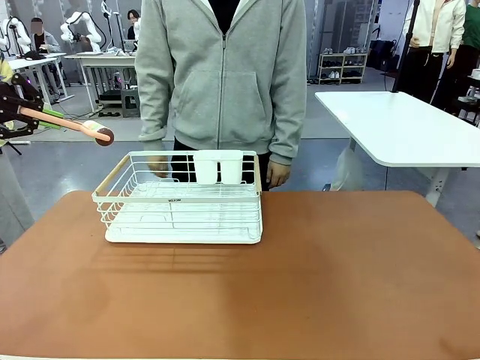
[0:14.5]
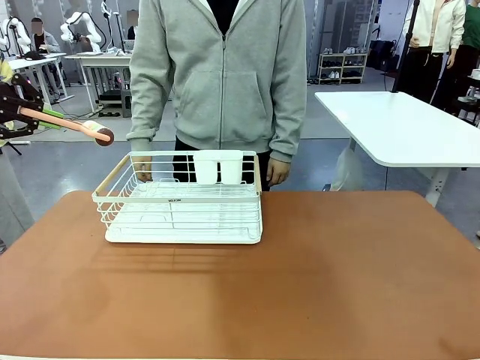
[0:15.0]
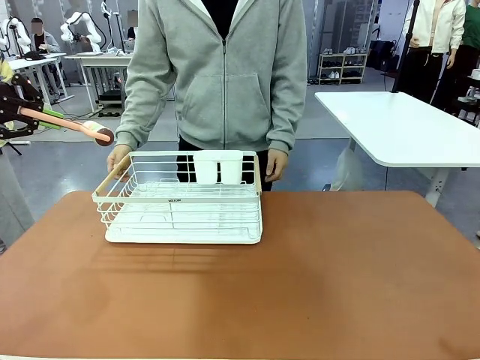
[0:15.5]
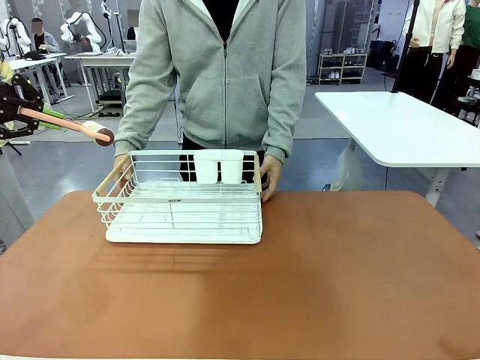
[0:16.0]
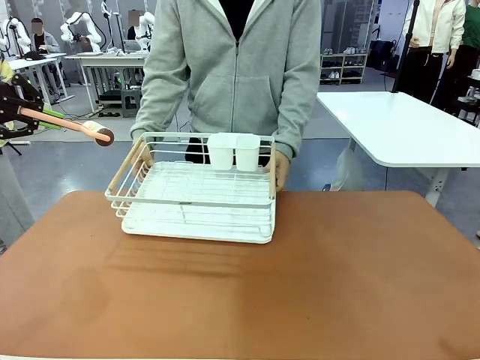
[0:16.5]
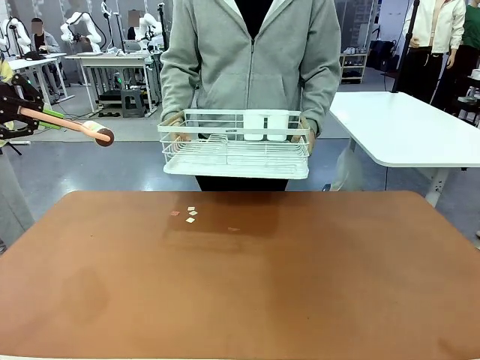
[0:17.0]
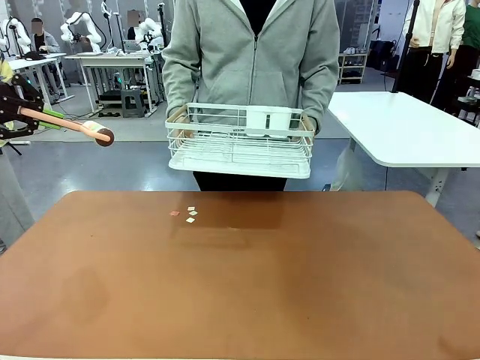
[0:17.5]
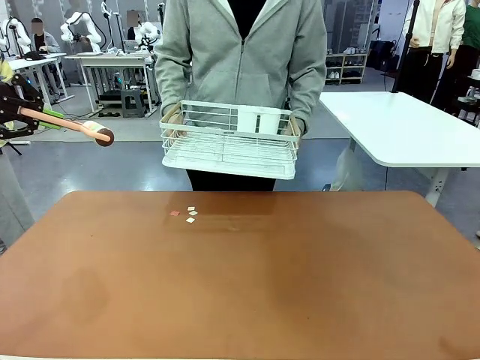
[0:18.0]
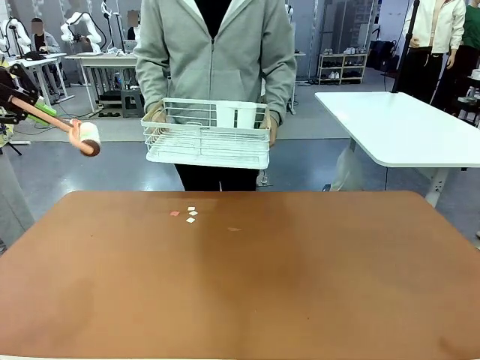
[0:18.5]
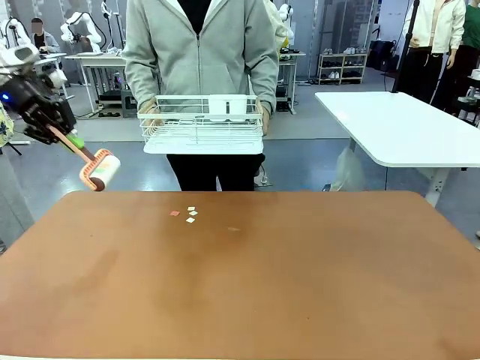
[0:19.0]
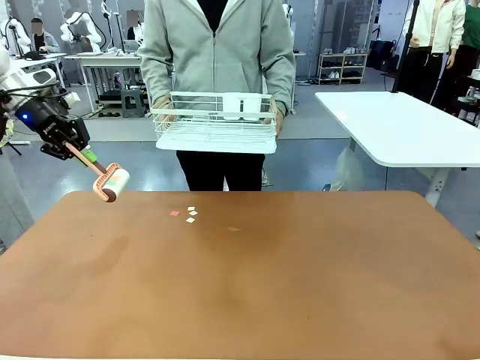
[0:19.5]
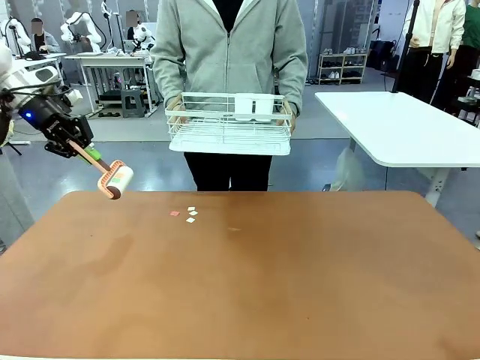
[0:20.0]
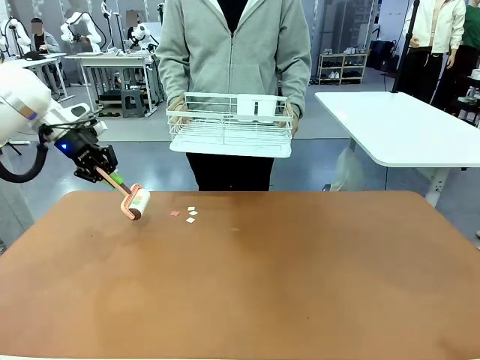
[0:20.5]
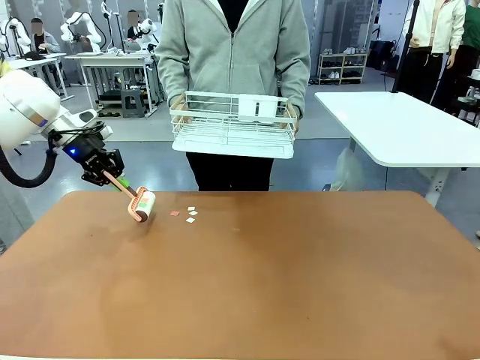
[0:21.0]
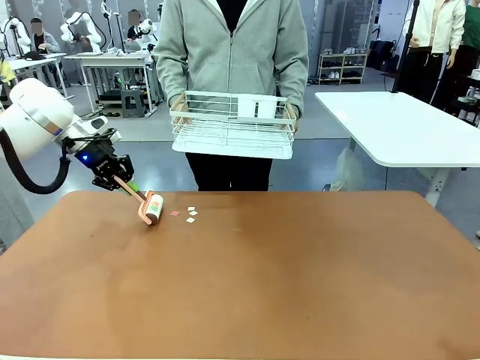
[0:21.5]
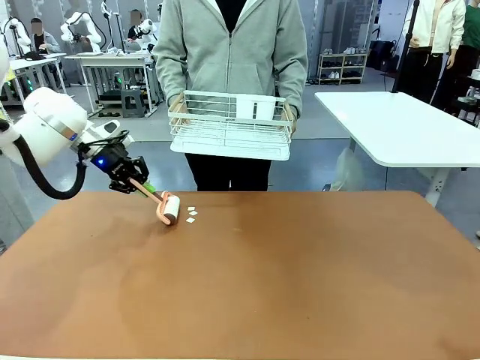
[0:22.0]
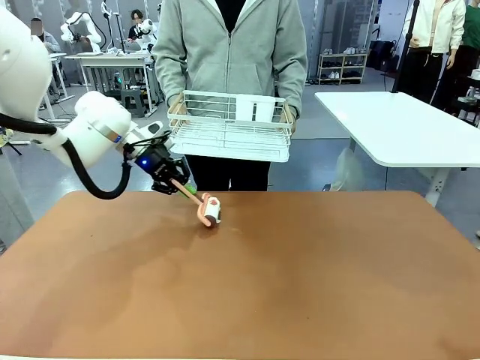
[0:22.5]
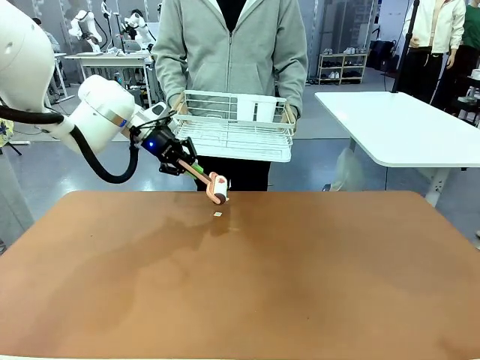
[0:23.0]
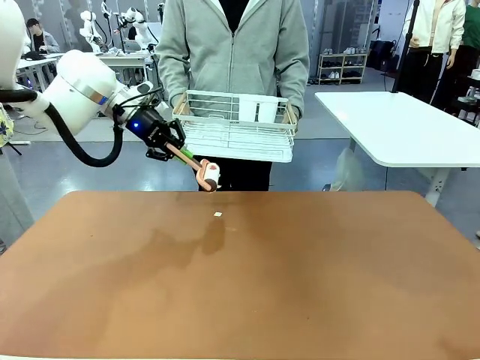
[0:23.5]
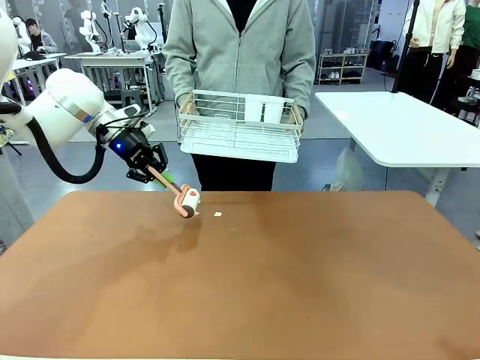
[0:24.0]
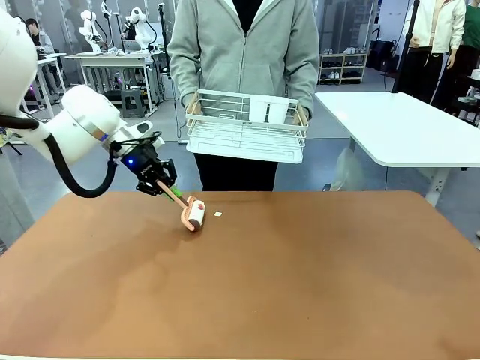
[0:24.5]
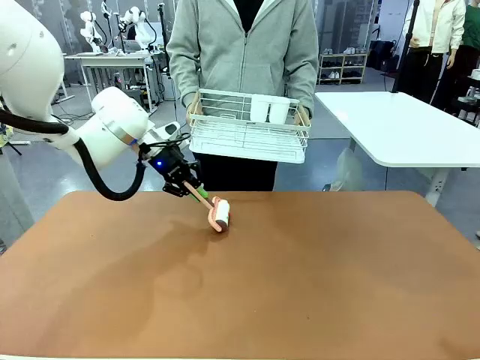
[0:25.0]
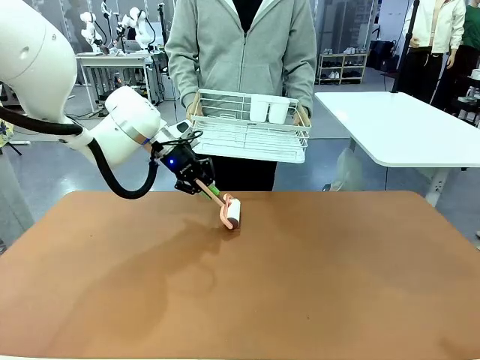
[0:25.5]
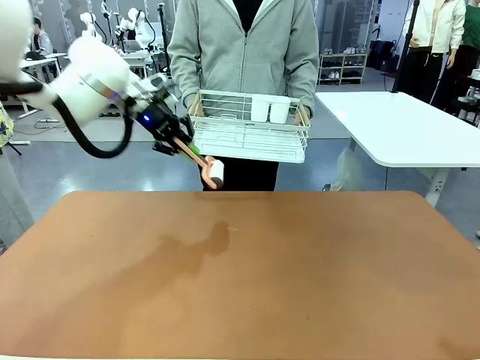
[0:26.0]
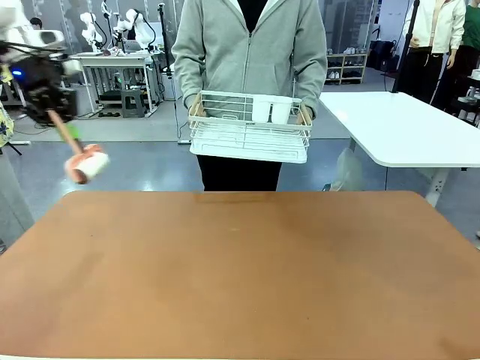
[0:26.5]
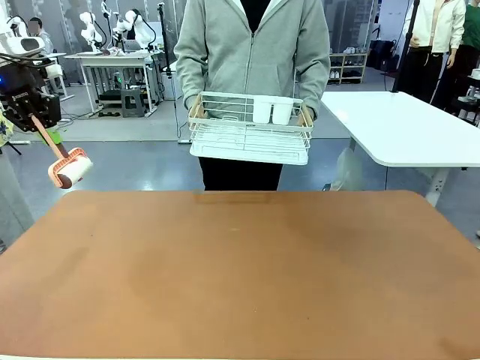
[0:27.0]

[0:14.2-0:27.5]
Task: Clean the table.
Robot: Clean the table with the Lint Roller when the human lifts the Dish drying rack.

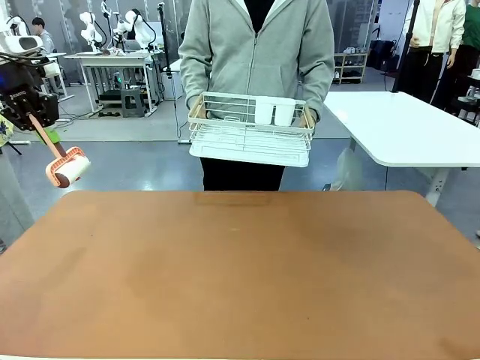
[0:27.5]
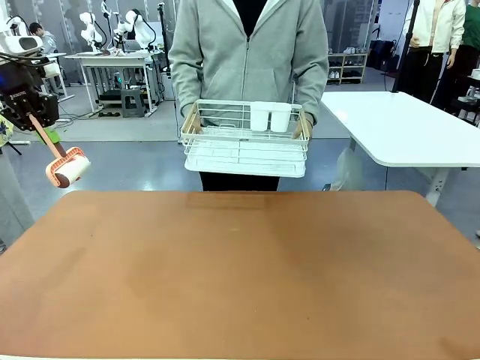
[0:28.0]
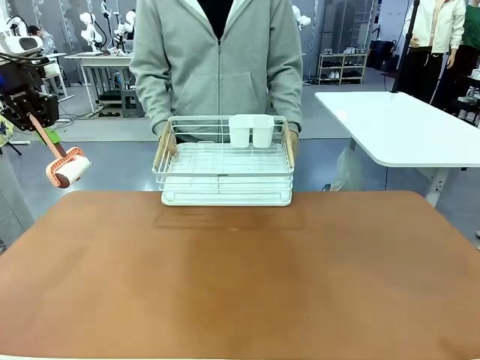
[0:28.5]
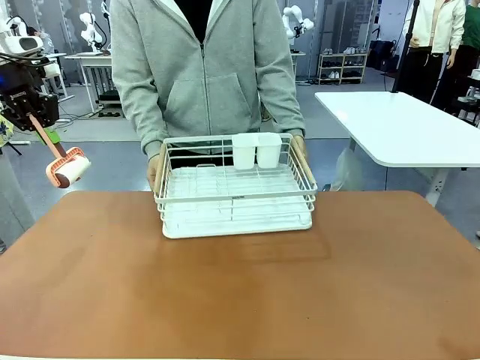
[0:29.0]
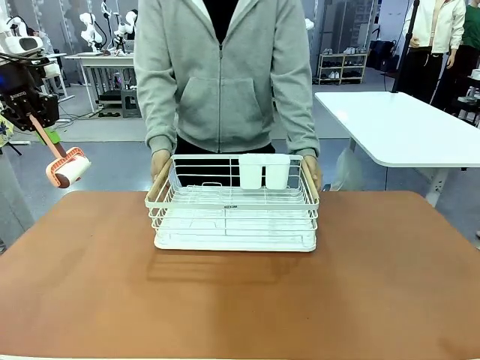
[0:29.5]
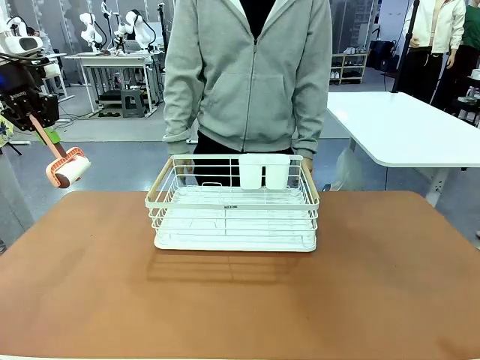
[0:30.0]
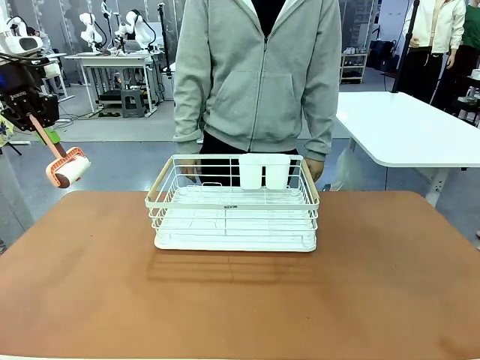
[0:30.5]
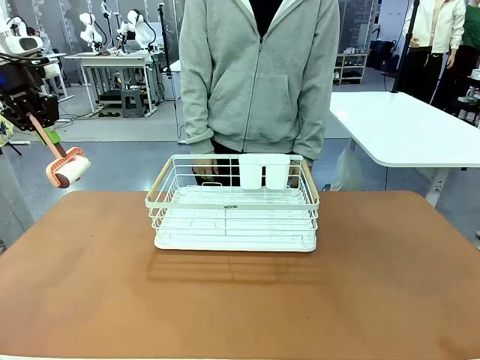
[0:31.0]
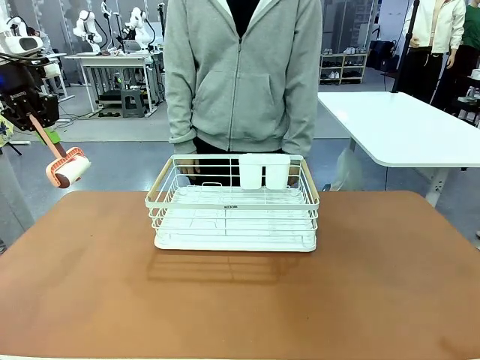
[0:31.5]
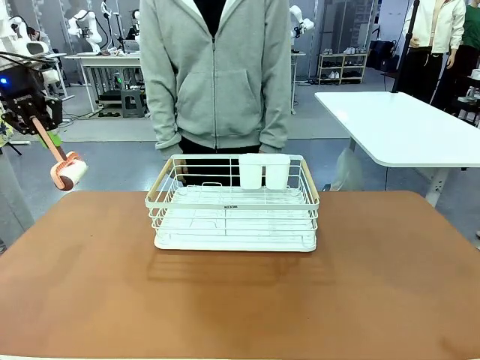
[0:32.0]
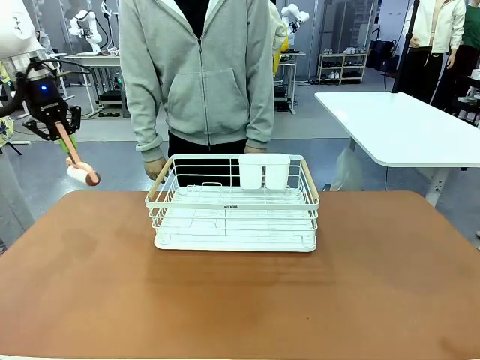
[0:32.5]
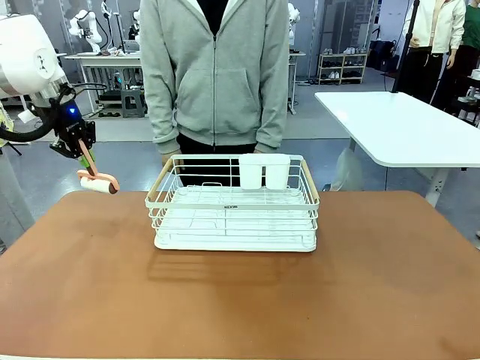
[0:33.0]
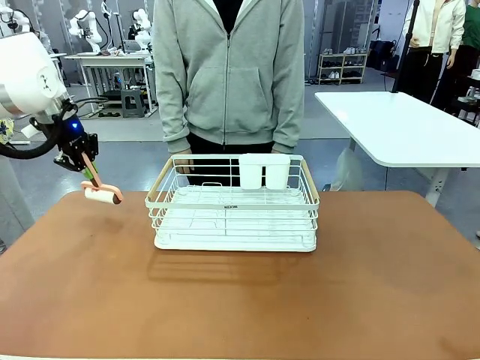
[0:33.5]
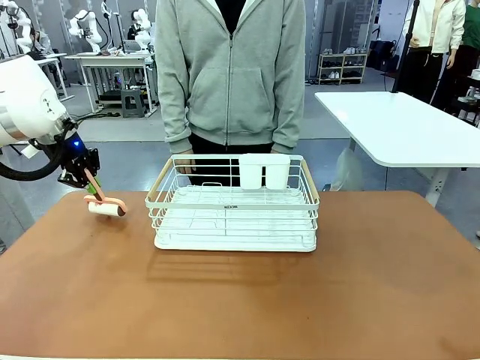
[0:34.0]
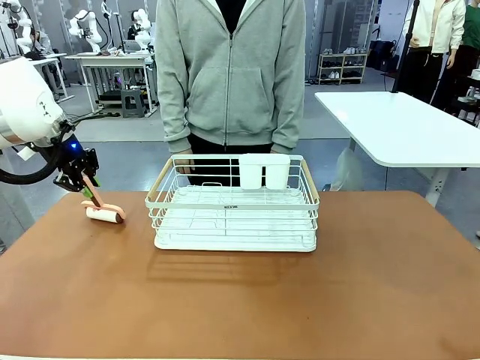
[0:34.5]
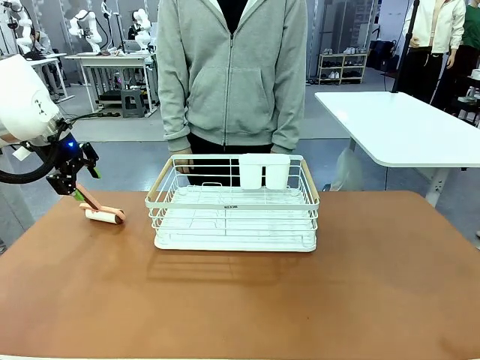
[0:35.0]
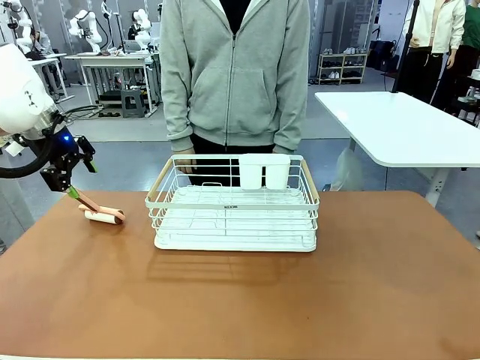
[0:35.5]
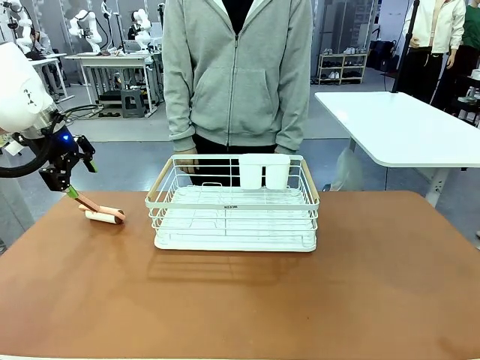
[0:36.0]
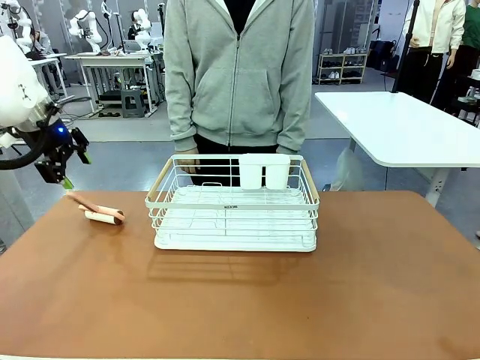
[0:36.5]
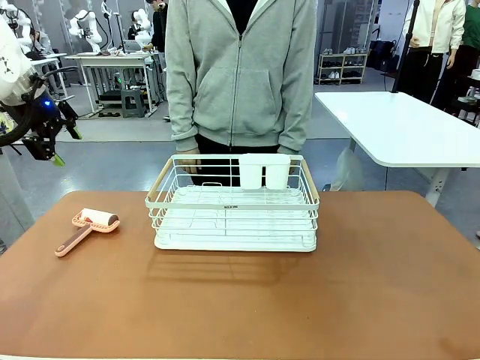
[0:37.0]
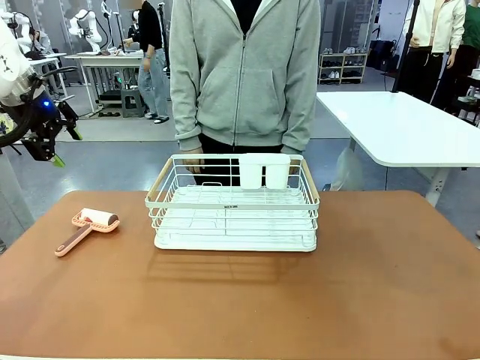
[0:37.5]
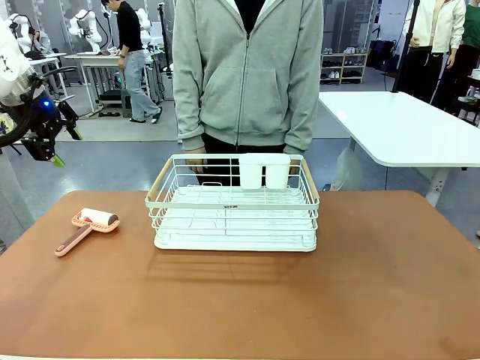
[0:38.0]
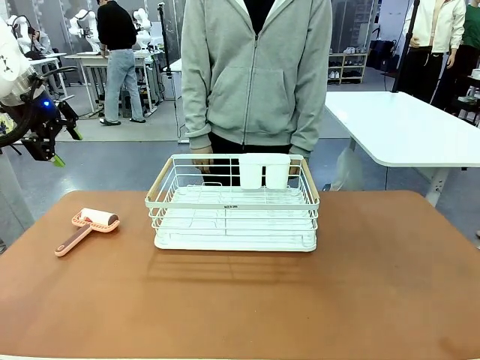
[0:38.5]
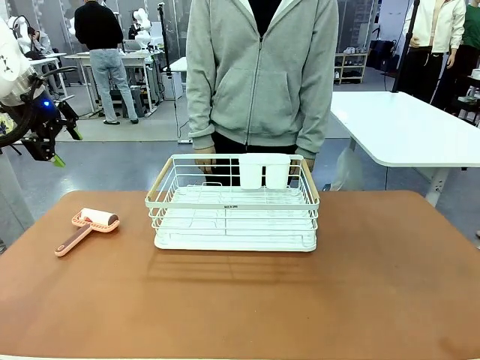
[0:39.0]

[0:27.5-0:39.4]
Robot: Place the Lint Roller down when the Dish drying rack is positioned in the middle of the table.
Person: Place the Dish drying rack down when the robot finishes cleaning.
